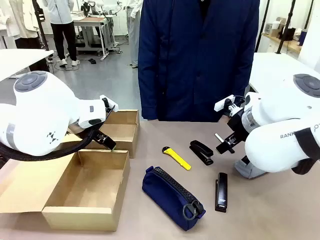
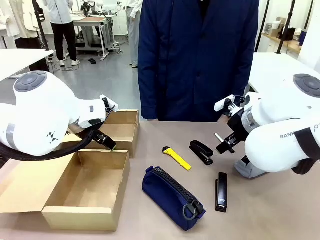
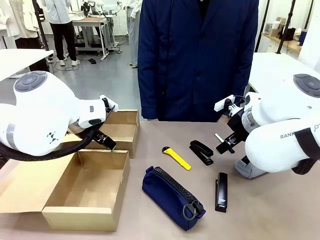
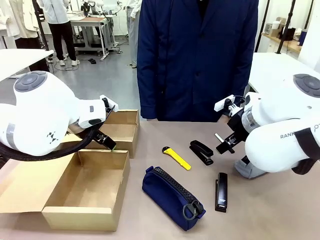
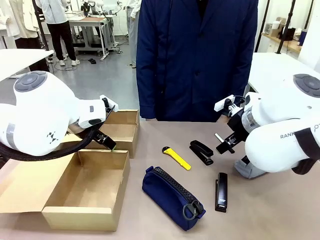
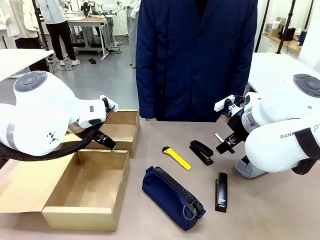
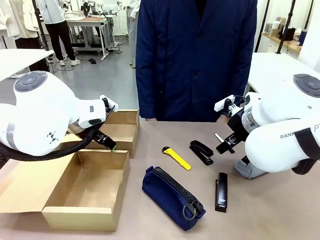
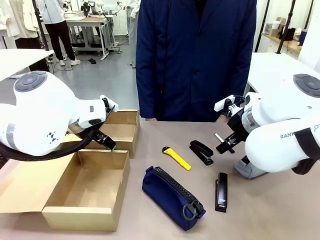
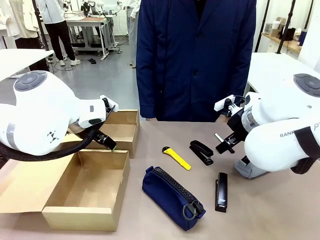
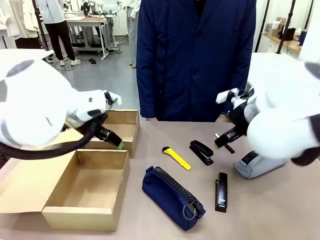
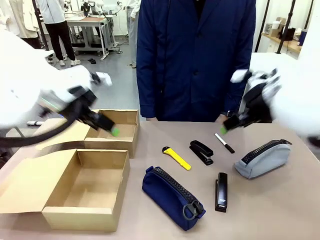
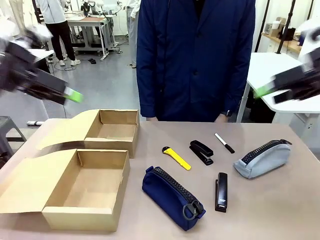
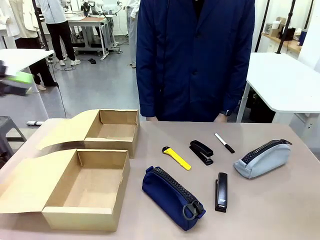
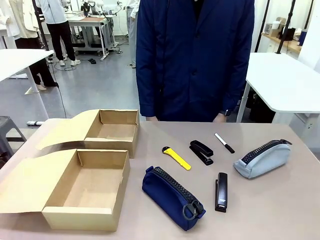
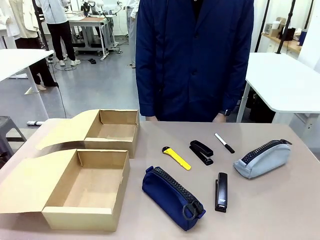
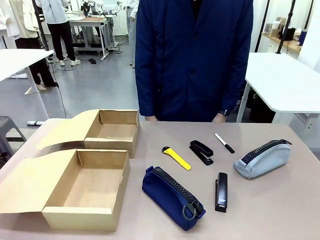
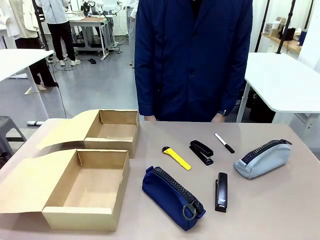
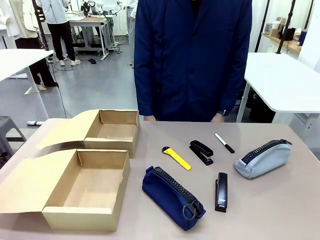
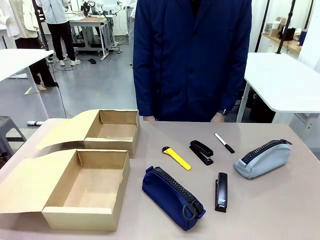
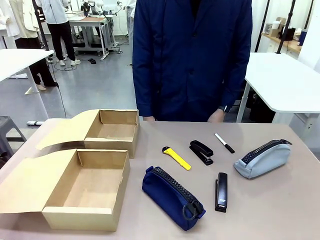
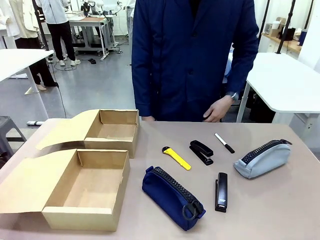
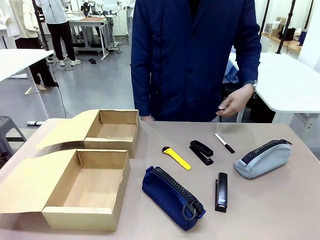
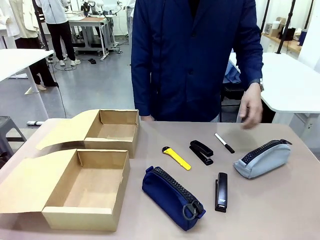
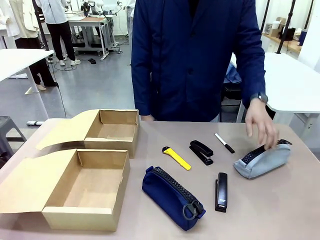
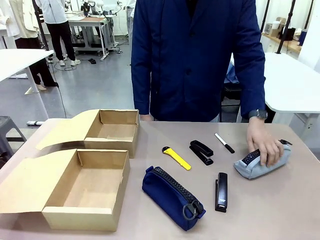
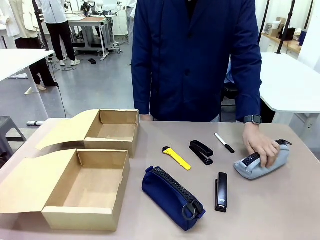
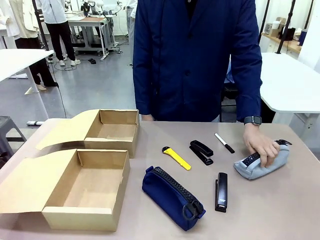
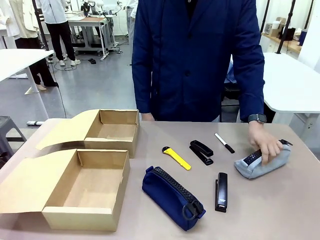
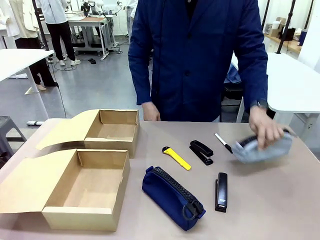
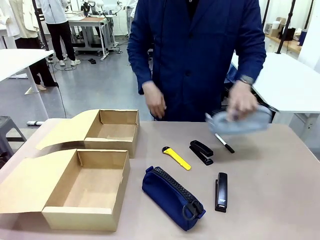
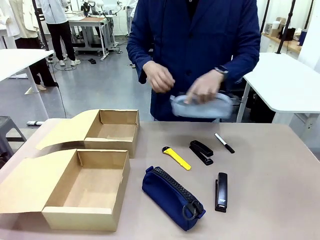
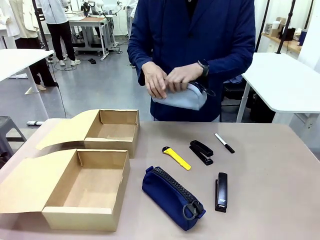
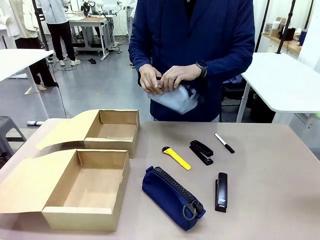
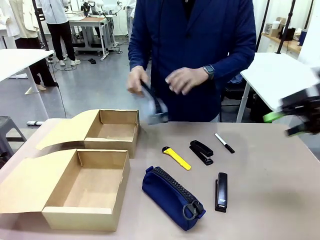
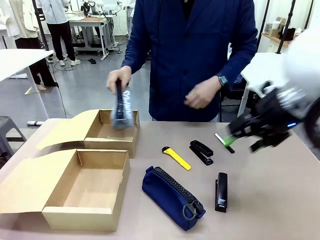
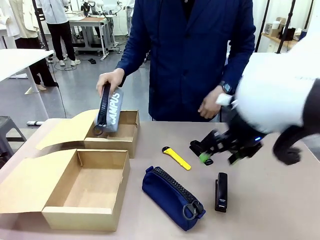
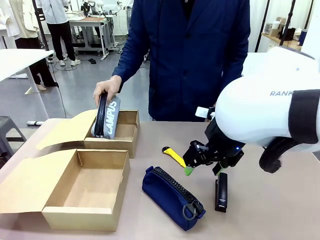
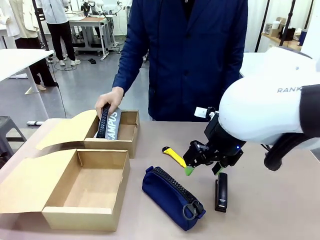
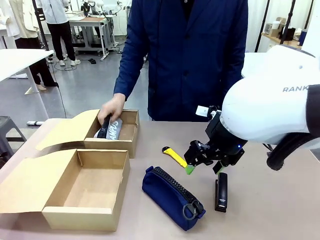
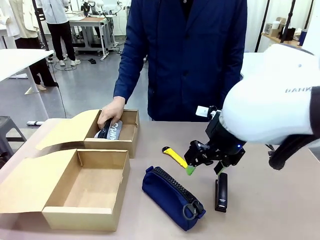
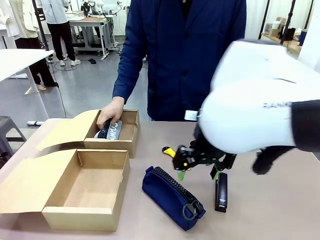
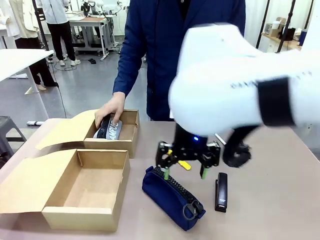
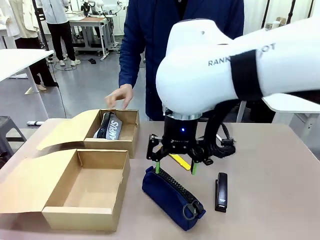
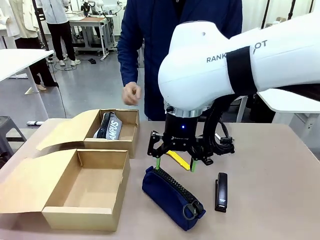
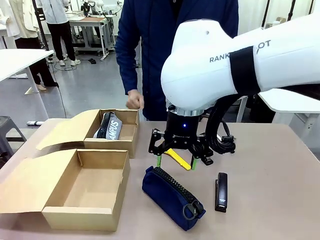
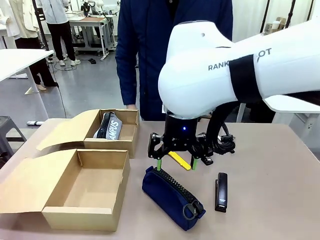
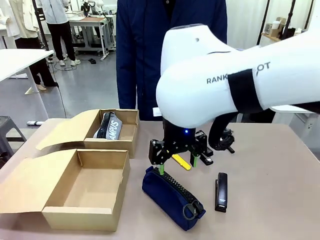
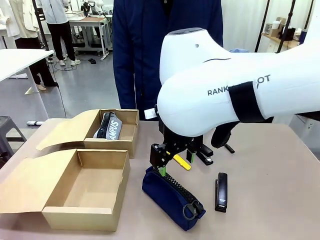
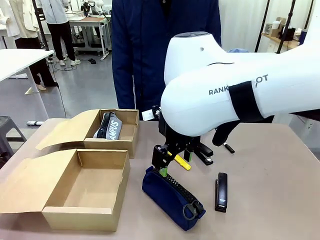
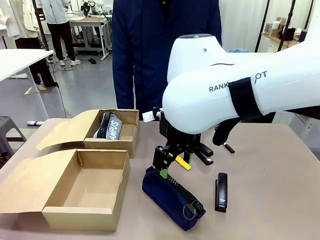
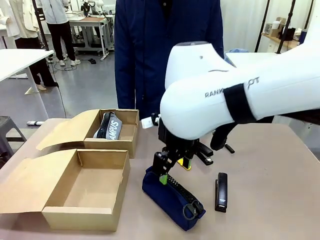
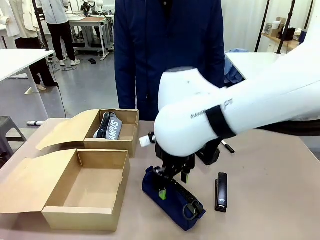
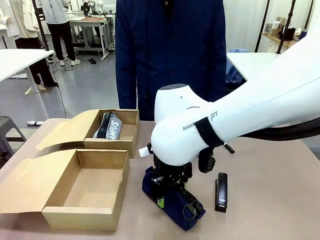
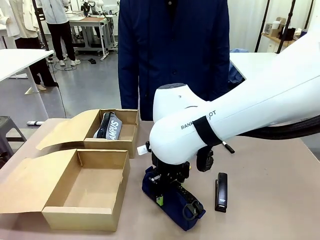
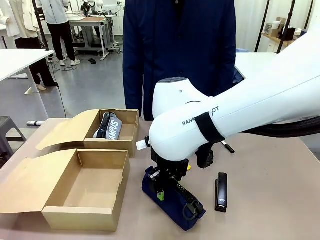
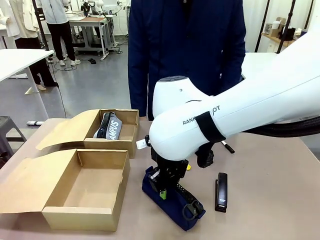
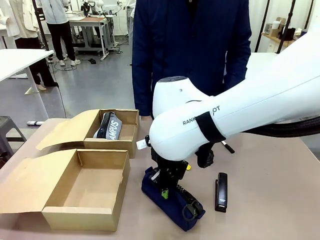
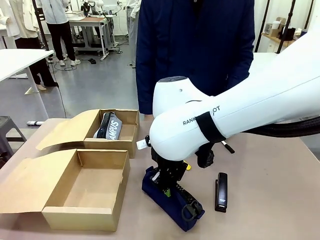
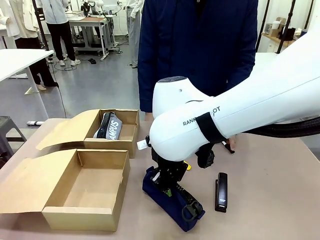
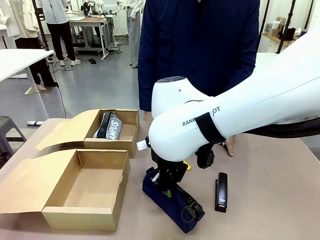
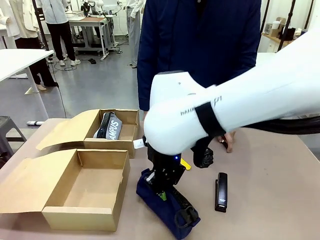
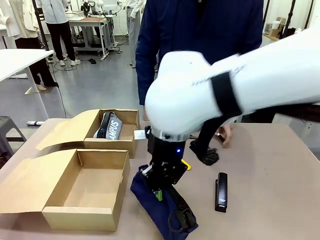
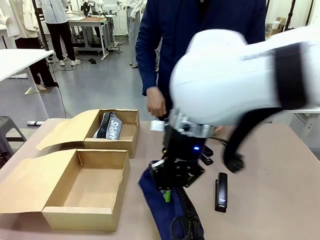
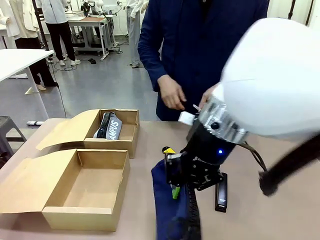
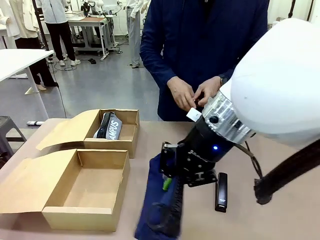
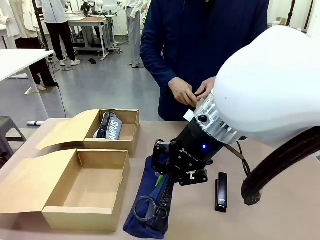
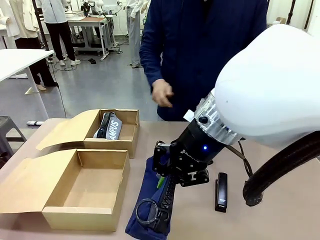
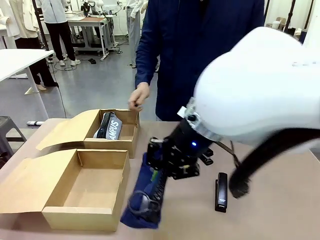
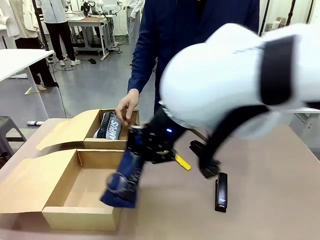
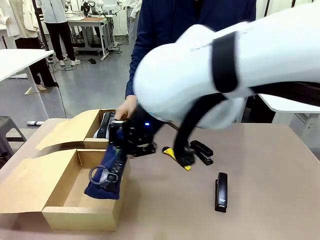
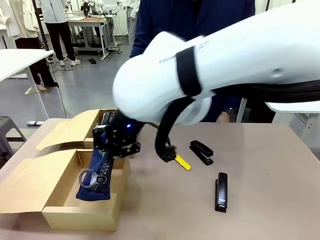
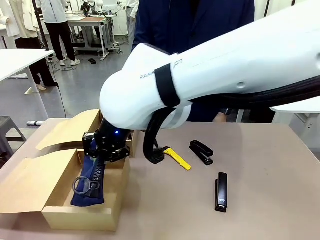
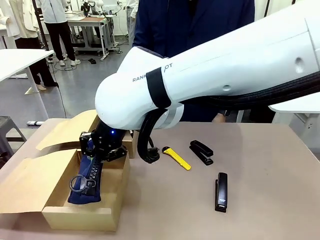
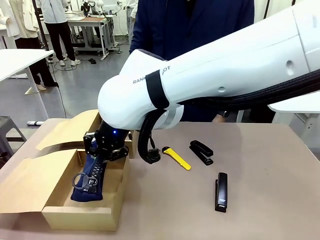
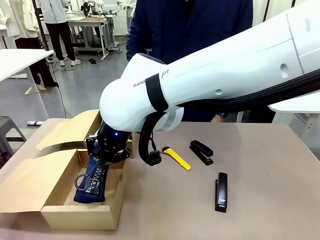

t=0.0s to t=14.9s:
Task: Place items inside the box.
Robot: Pick up a Pencil pouch or Stapler and place it inside the Mailer Box closest to the robot.
Person: Pick up an object on the table and put it in the box.
